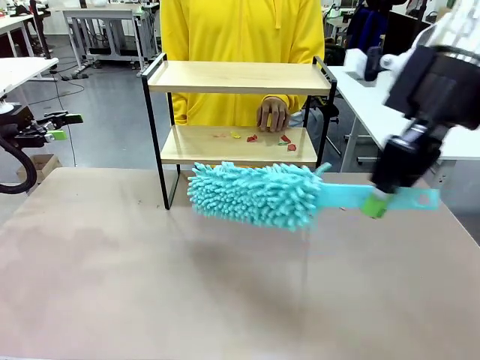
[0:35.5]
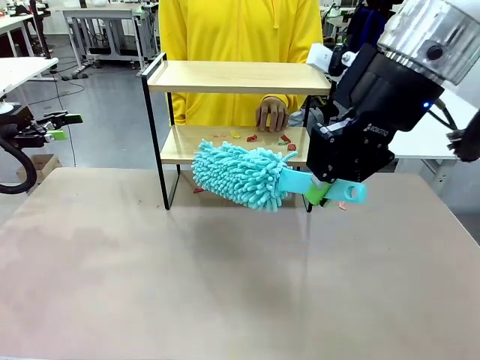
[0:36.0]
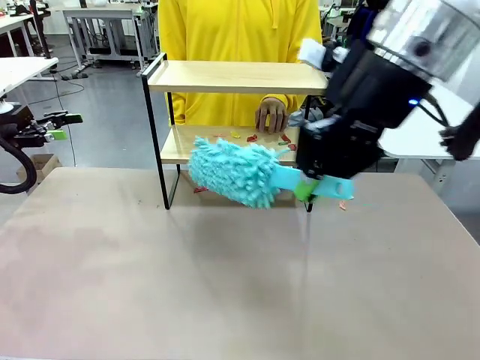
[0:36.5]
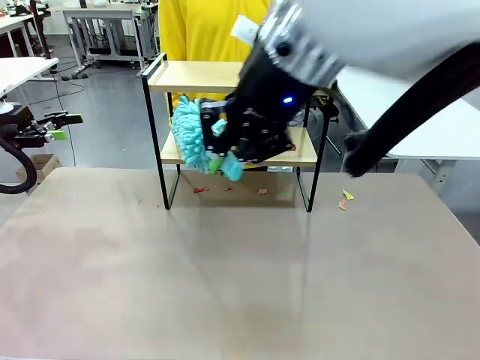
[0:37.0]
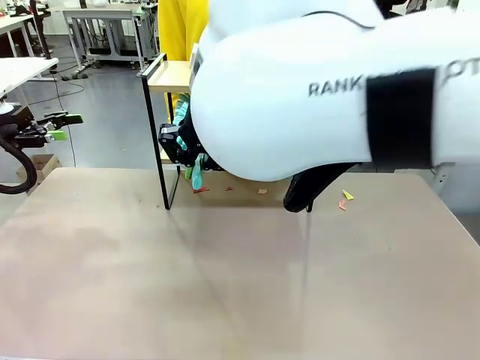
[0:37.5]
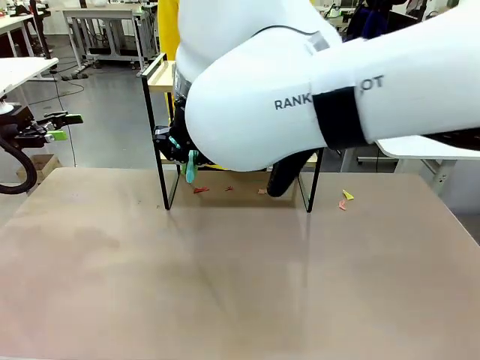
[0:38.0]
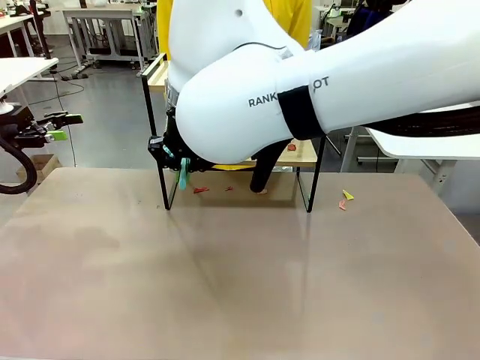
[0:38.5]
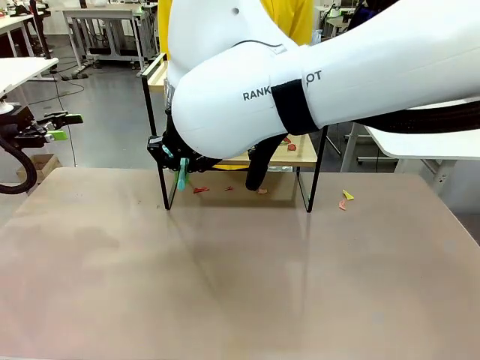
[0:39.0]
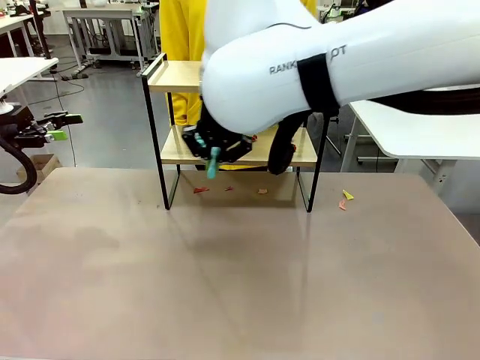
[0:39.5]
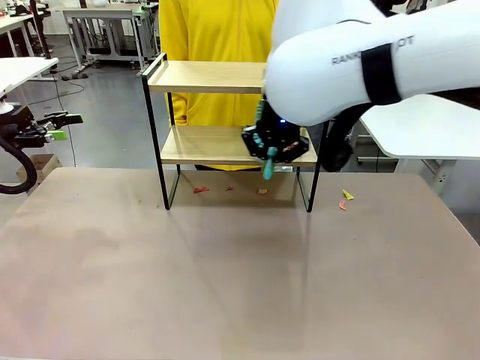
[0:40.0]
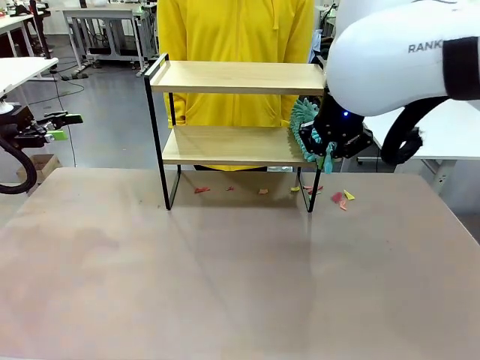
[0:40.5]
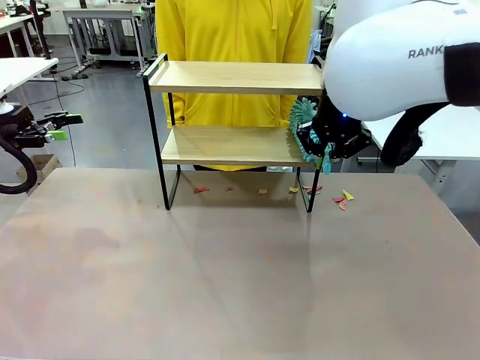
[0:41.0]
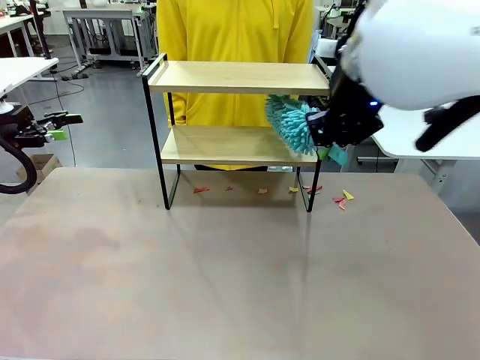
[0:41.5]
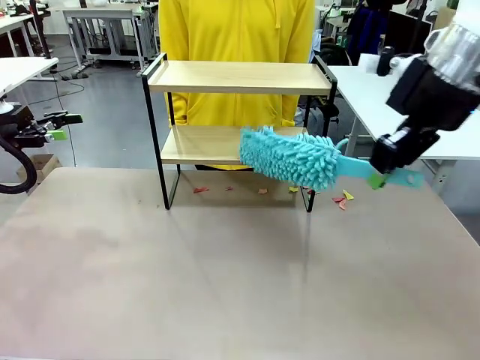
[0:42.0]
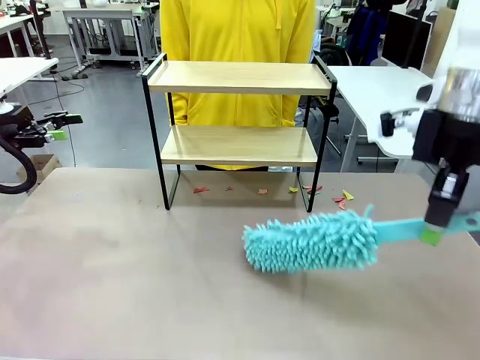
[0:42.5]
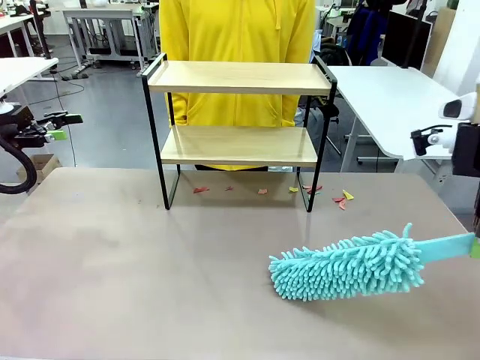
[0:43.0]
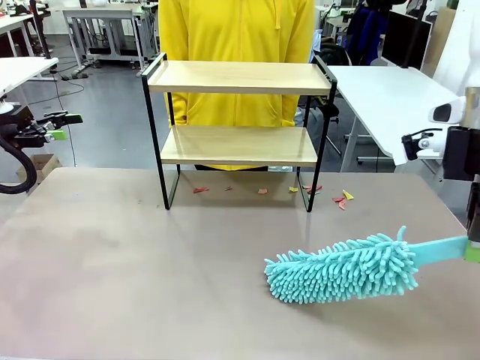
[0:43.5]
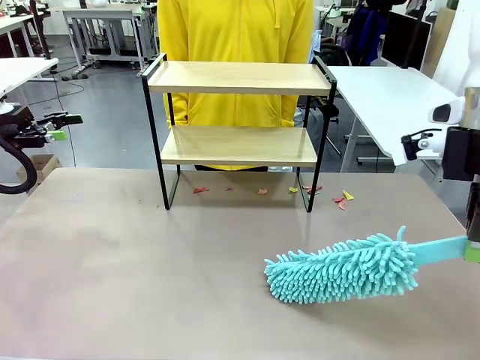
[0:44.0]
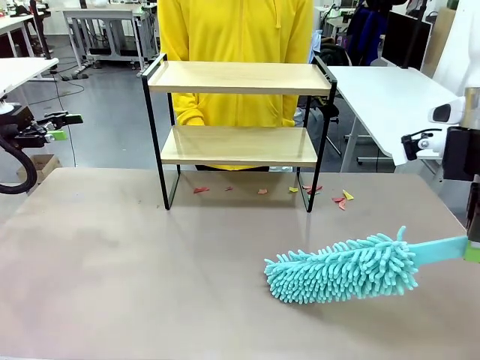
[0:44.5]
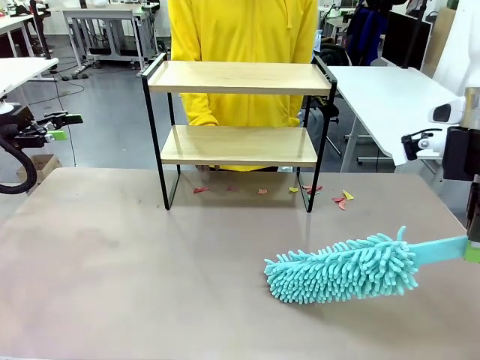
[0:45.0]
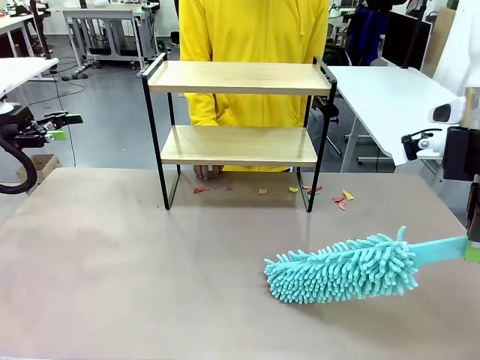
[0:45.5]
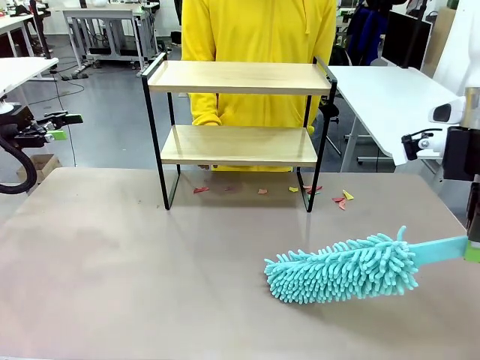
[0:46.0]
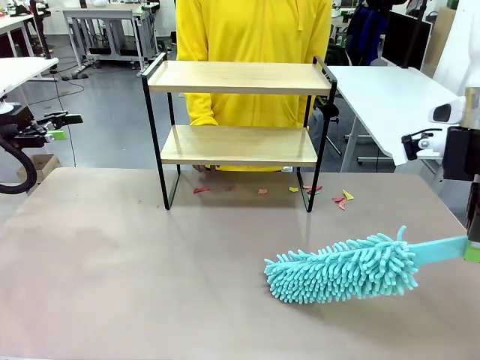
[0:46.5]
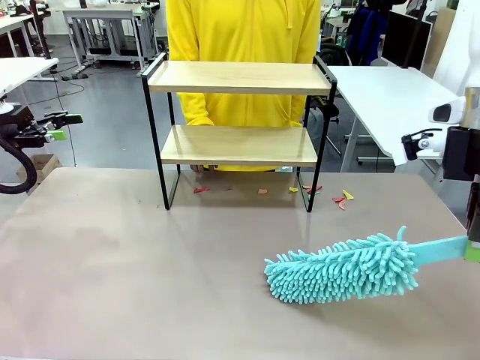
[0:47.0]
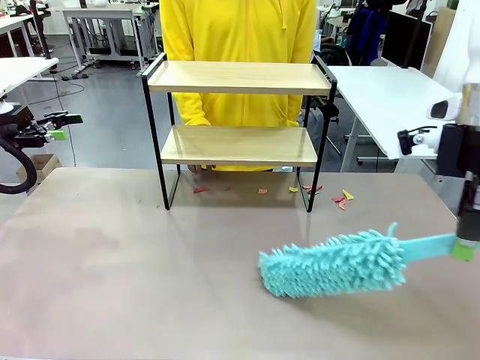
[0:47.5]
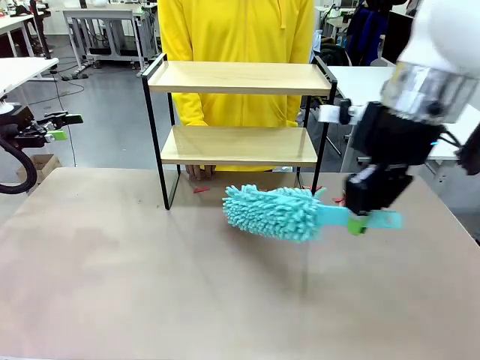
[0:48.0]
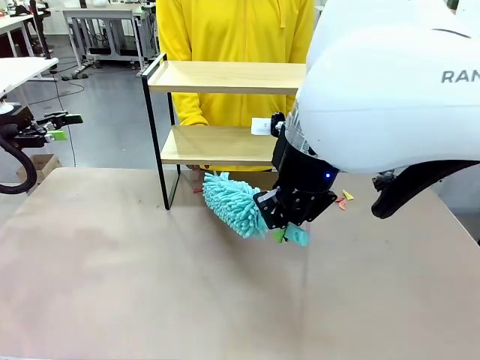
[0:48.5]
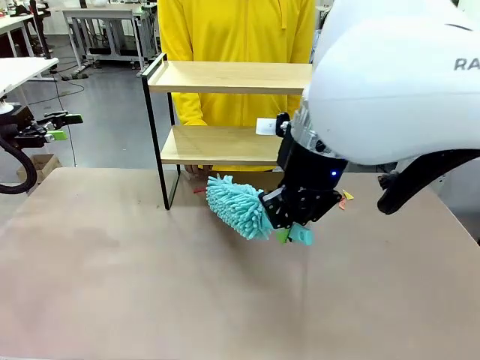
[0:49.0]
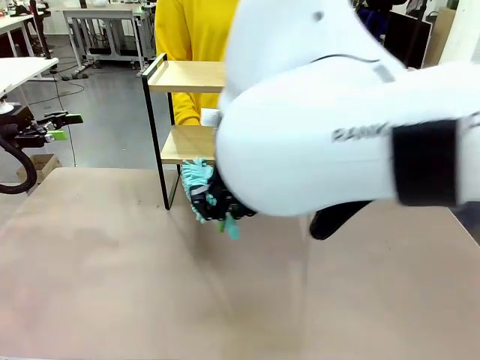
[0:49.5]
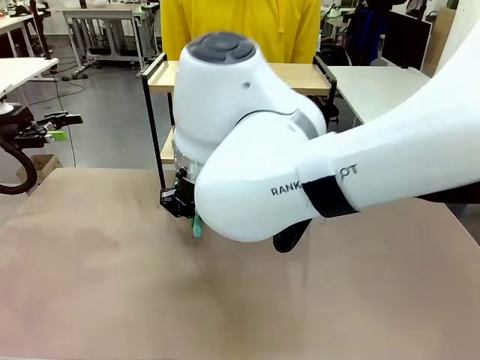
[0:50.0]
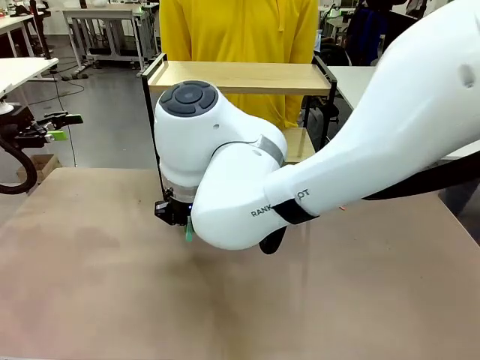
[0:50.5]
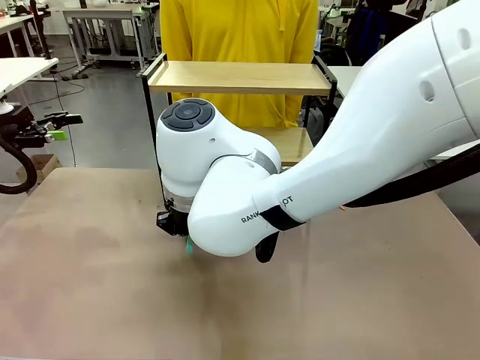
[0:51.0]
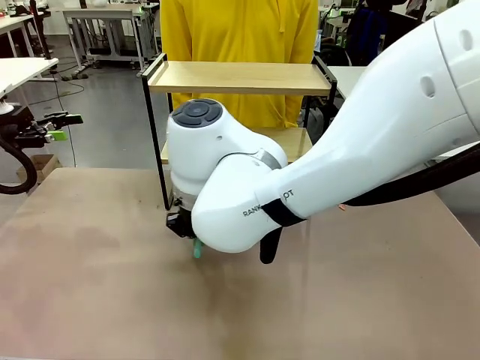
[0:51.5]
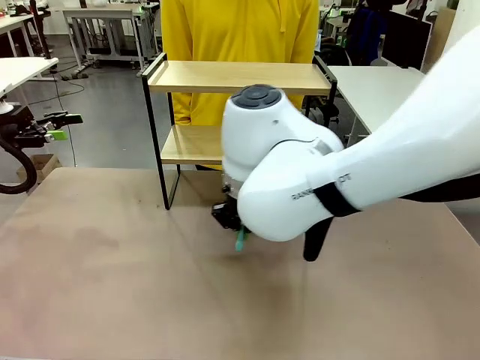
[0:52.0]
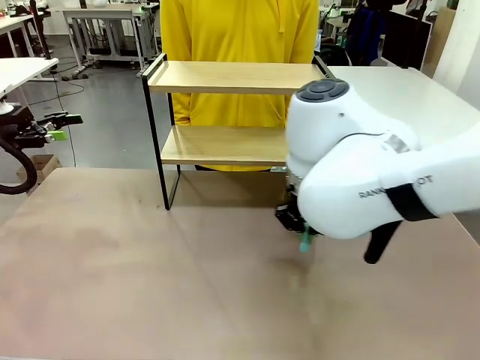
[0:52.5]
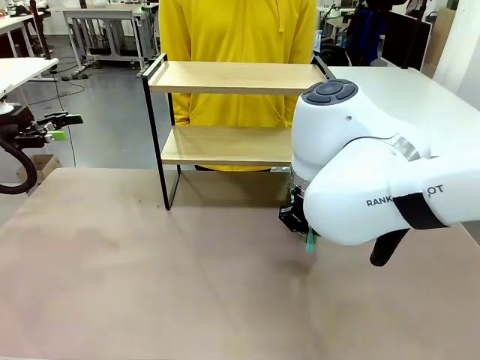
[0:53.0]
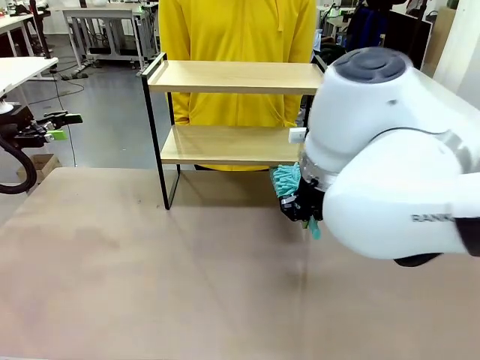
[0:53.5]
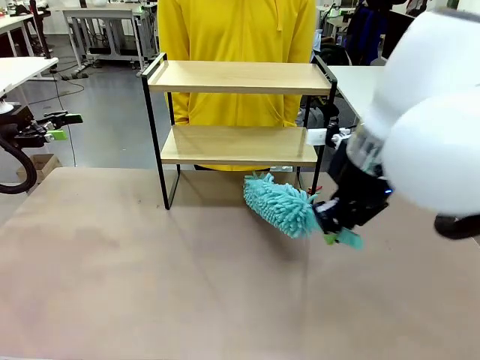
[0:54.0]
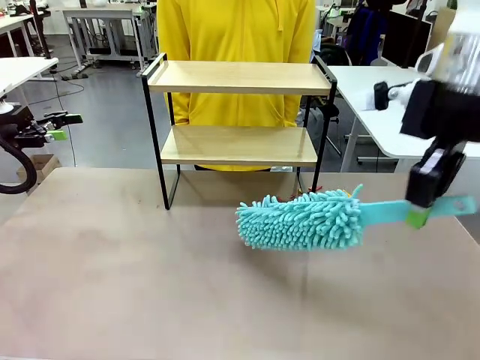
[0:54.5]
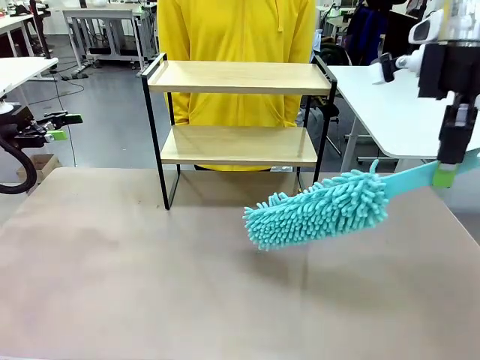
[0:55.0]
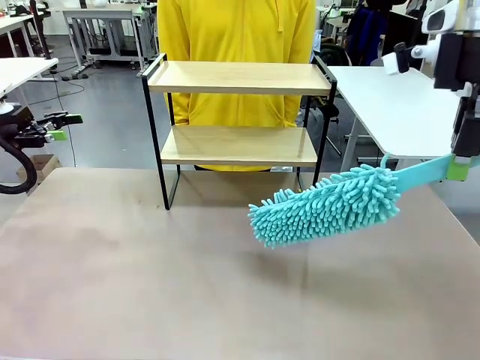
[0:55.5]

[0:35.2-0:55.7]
Task: Clean the shelf.
Robot: Clean the specific section of the Shelf indicated by the human with the Duster.
Person: Point a remaining section of the Shelf.
